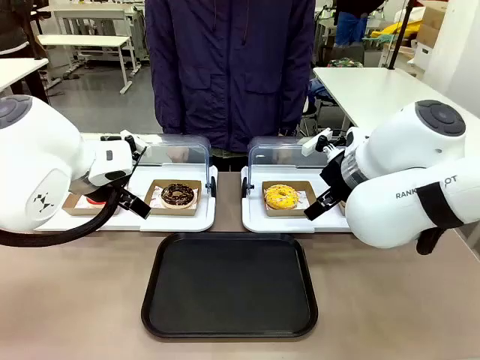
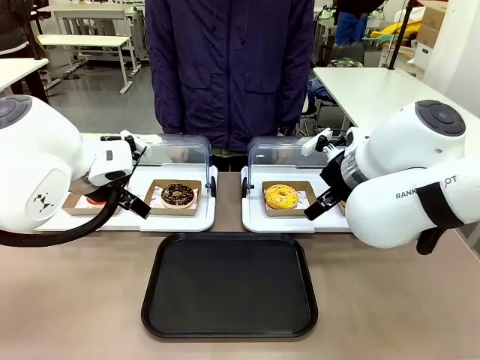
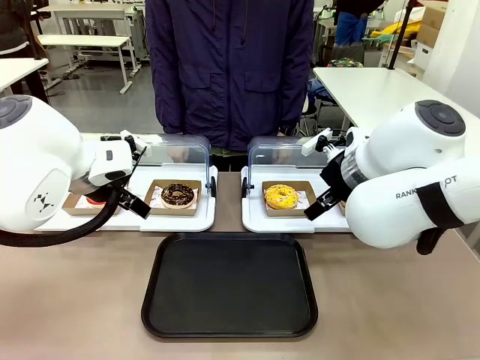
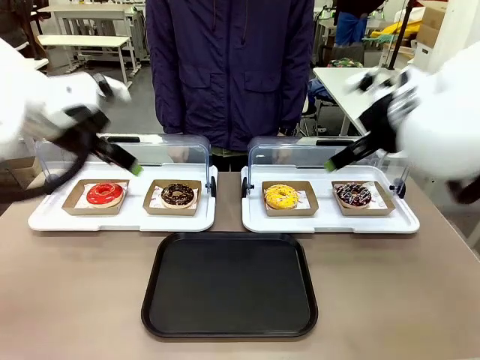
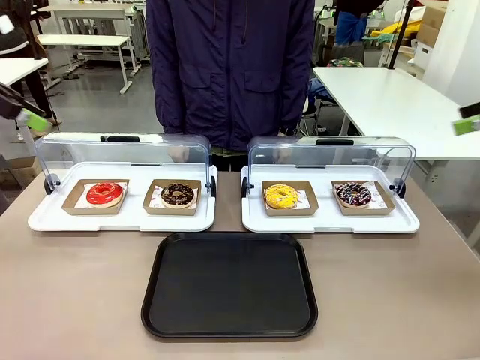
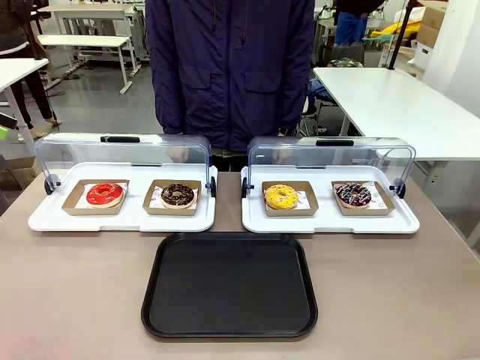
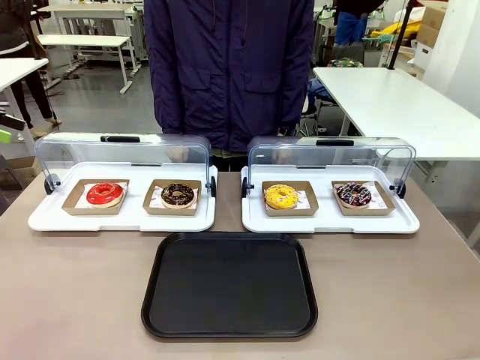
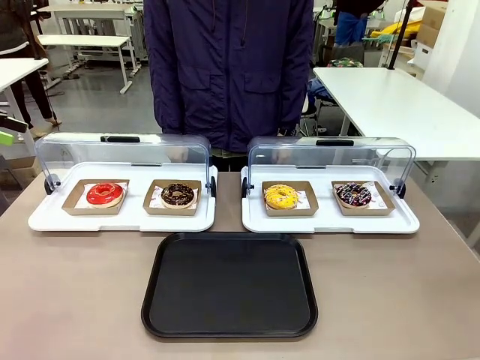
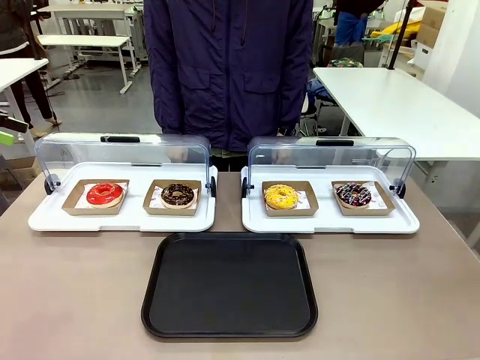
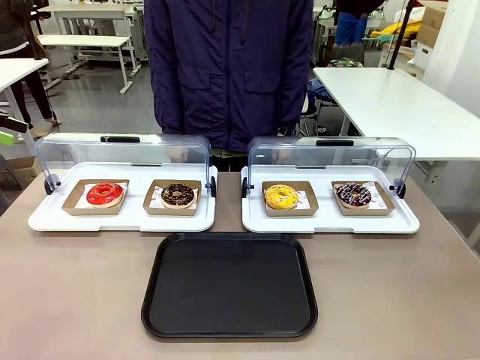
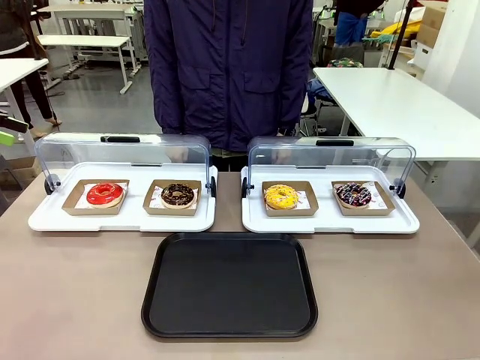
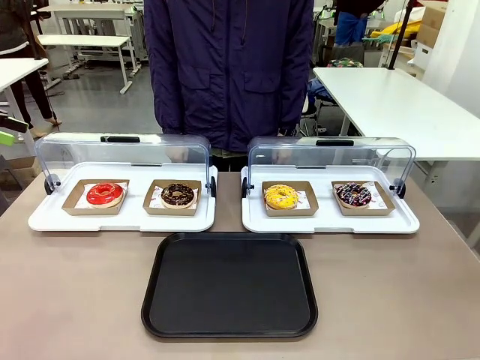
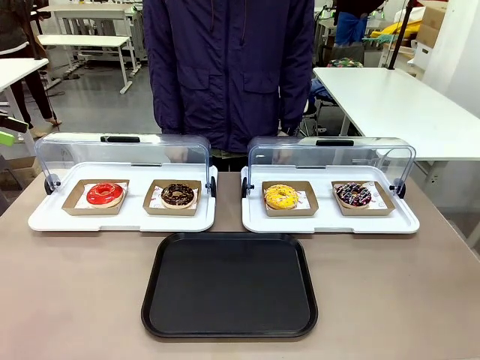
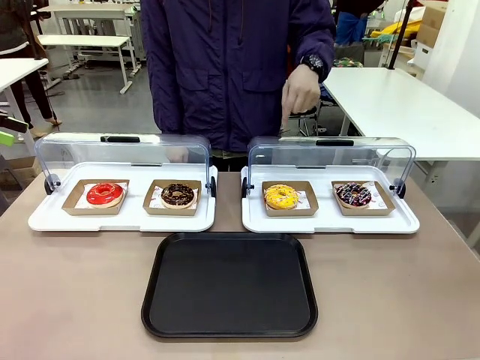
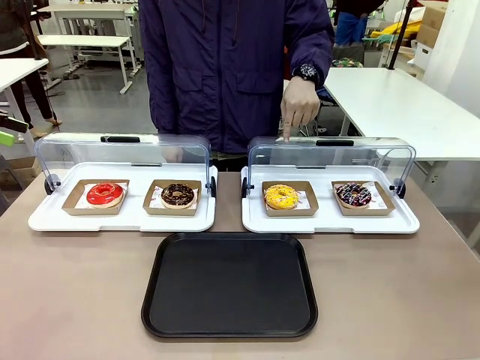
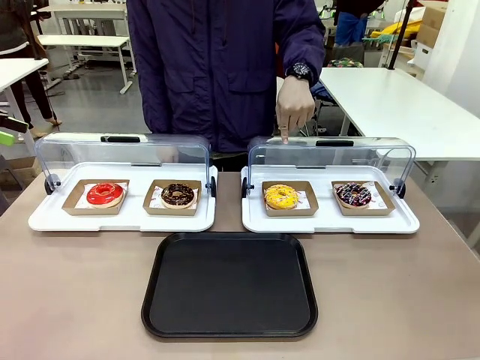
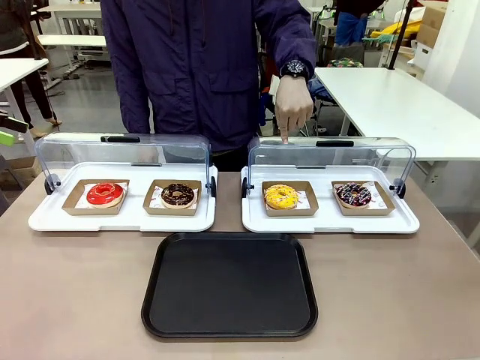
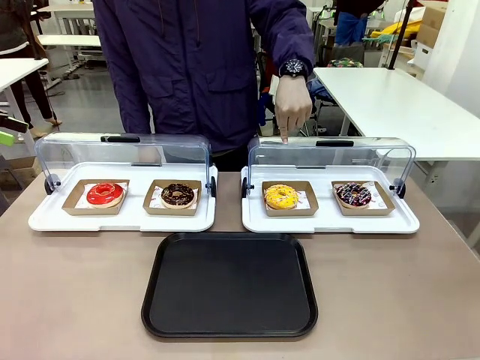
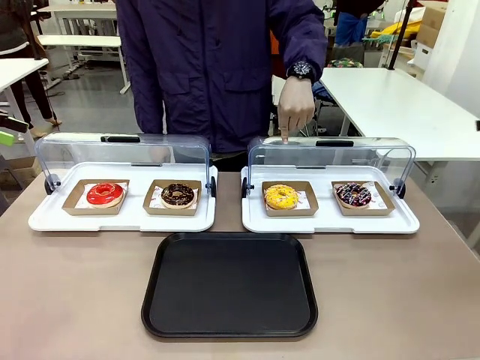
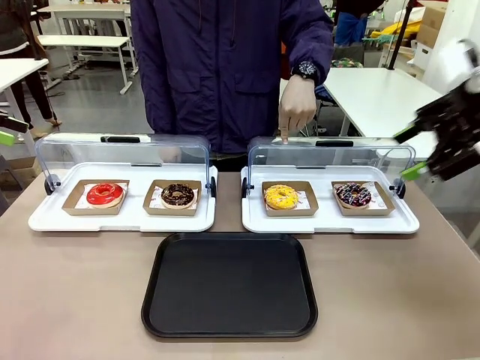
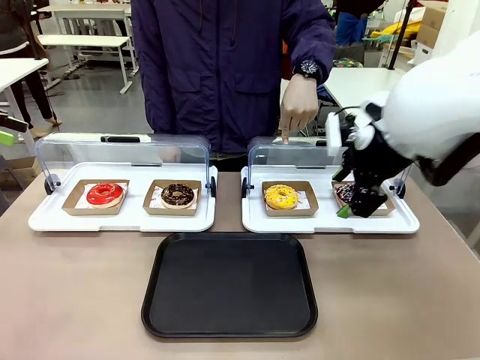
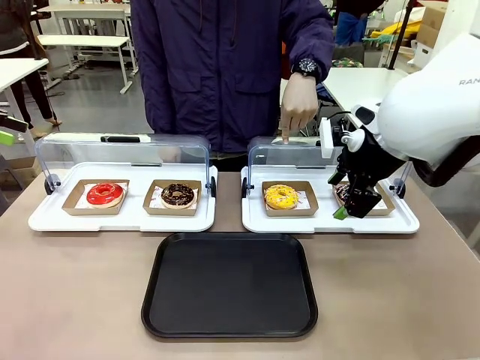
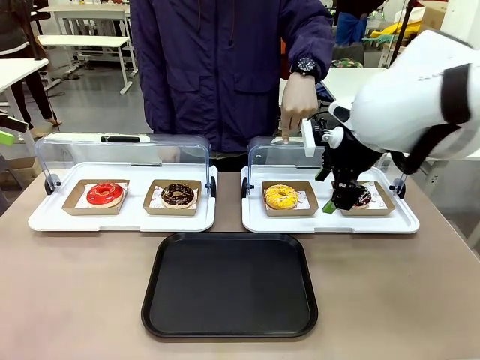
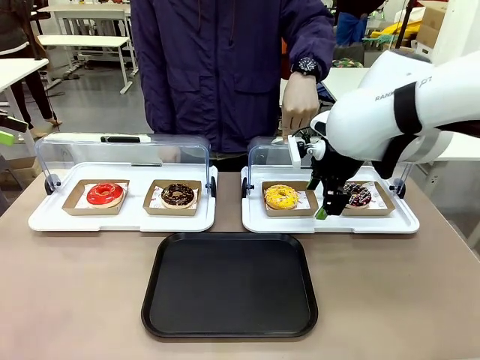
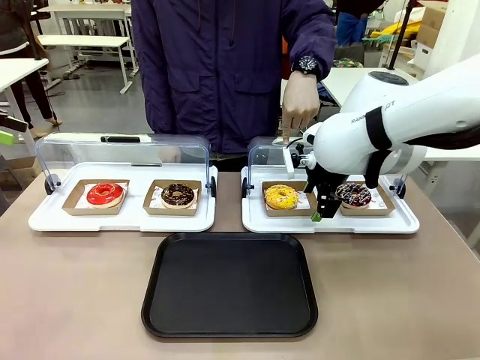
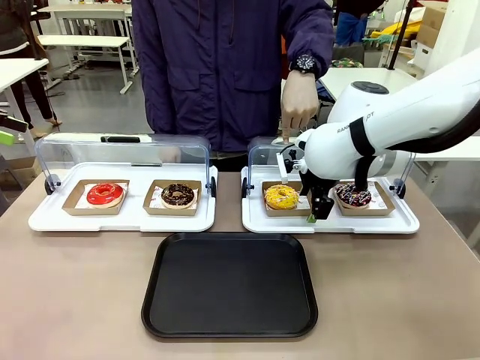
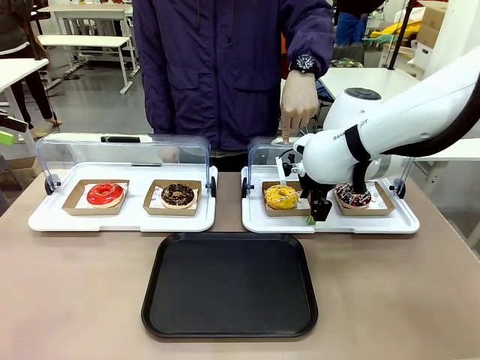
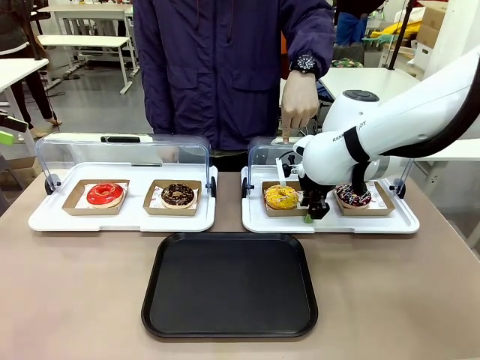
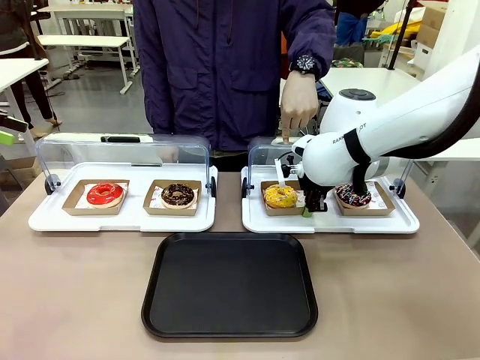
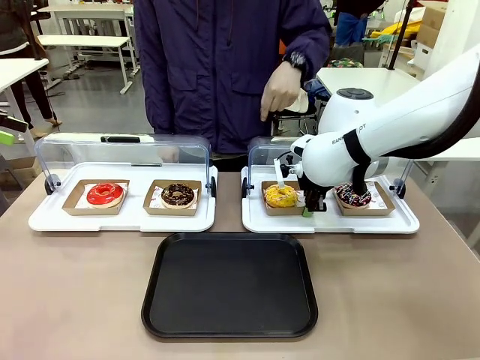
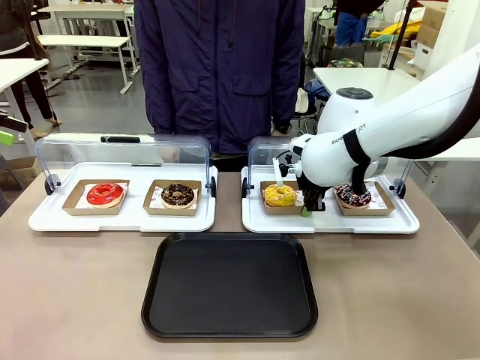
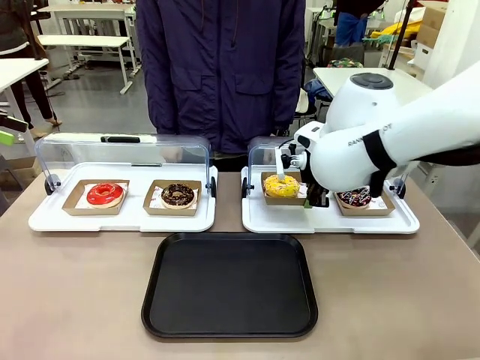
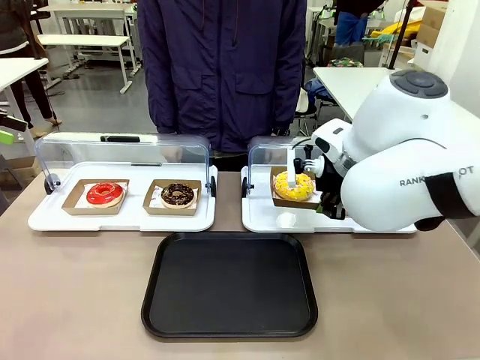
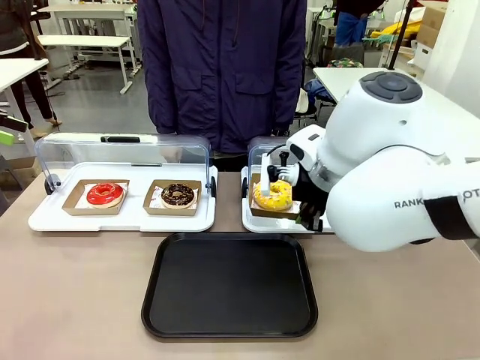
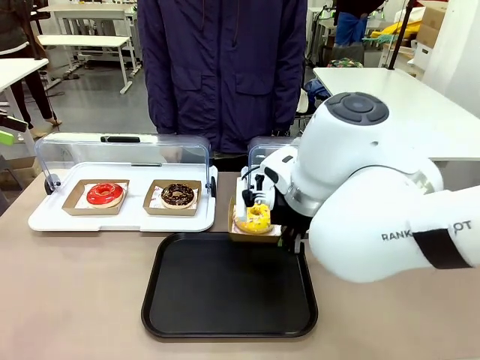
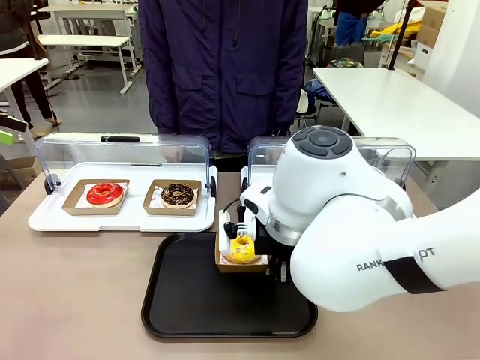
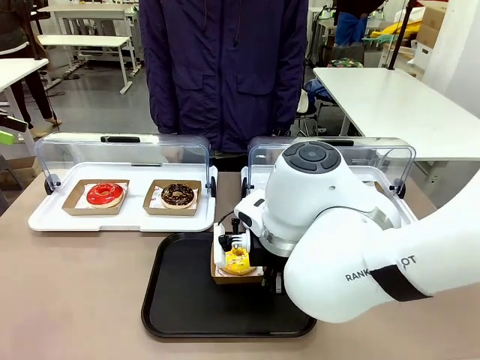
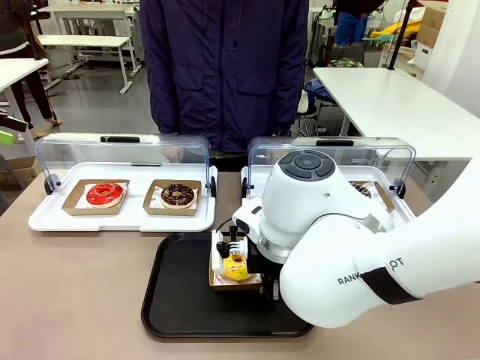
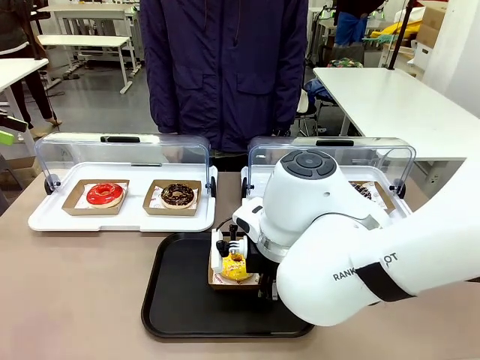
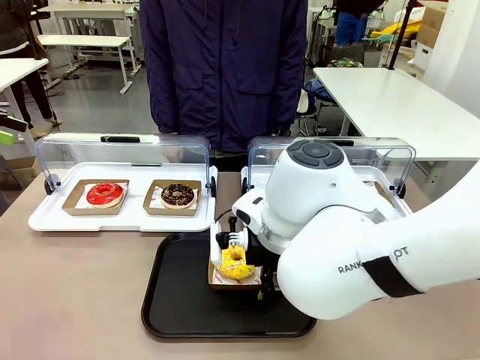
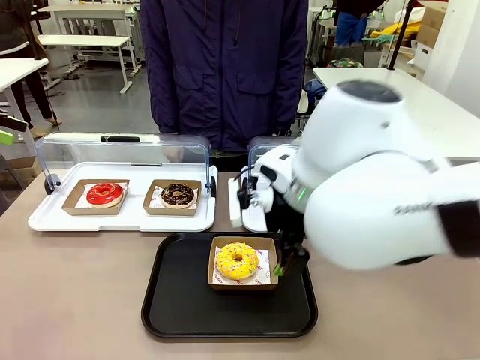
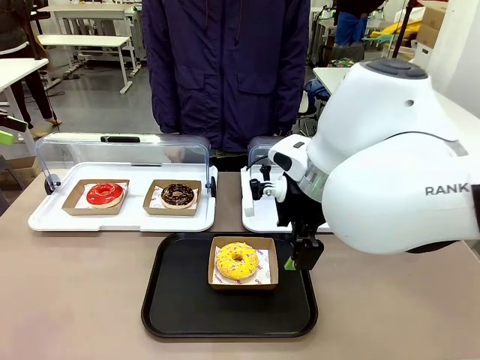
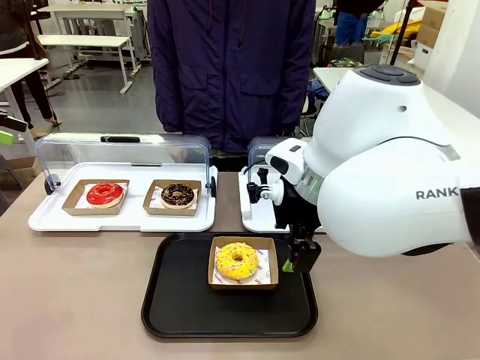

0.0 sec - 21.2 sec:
Task: Move the third donut from the left to the tray.
Robot: Pick up the Paper togo box containing the Donut indicated by the person and place it on the Handle tray.
Person: Points to the third donut from the left from the robot’s perspective.
